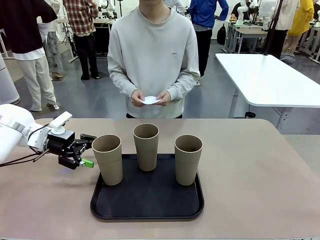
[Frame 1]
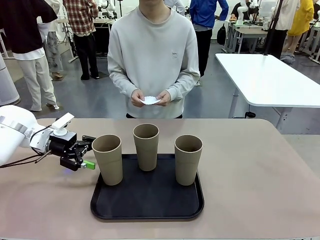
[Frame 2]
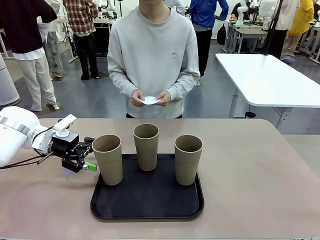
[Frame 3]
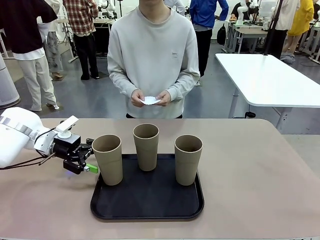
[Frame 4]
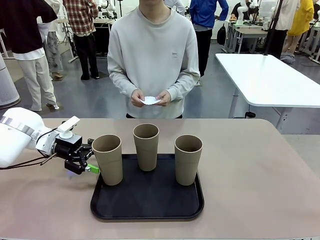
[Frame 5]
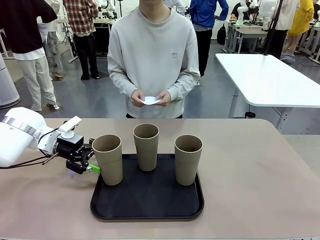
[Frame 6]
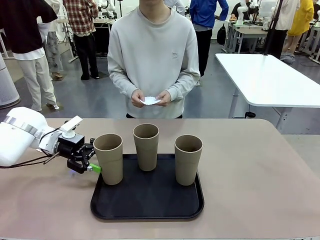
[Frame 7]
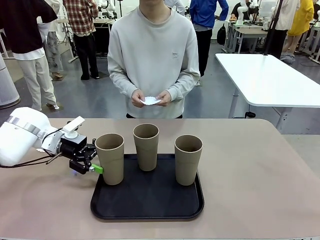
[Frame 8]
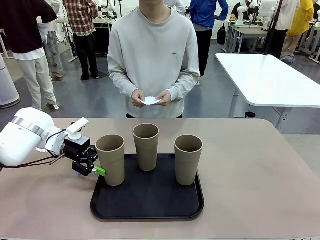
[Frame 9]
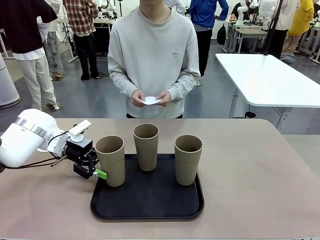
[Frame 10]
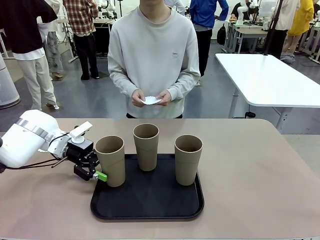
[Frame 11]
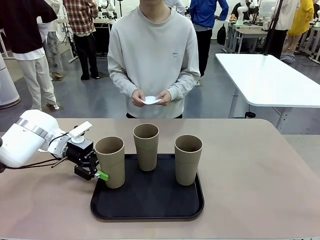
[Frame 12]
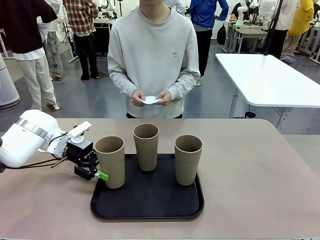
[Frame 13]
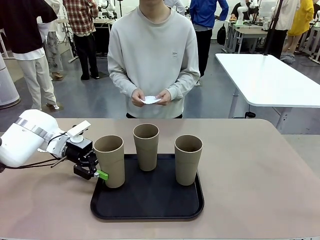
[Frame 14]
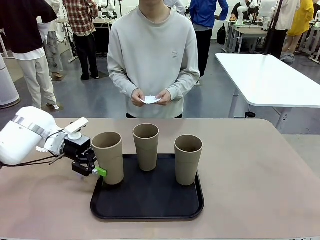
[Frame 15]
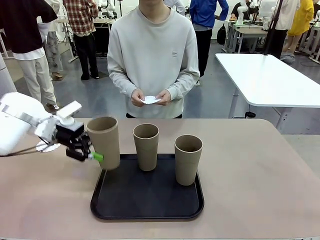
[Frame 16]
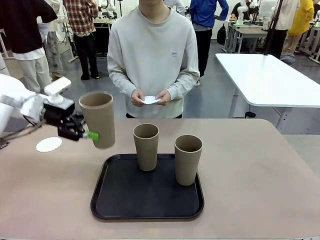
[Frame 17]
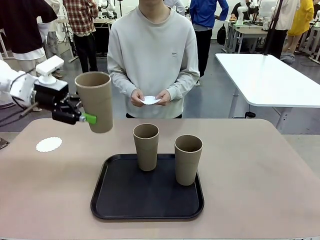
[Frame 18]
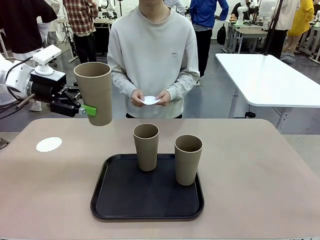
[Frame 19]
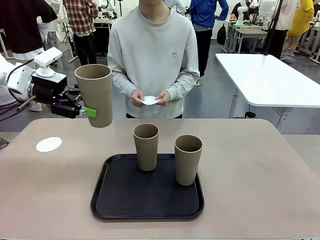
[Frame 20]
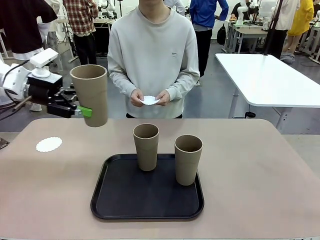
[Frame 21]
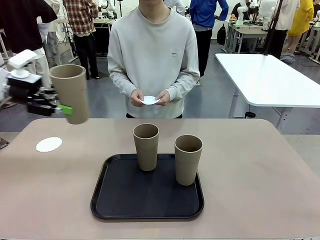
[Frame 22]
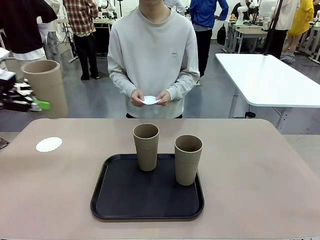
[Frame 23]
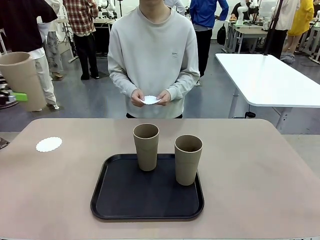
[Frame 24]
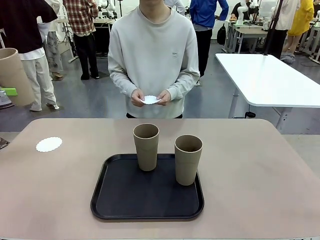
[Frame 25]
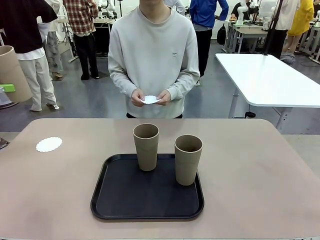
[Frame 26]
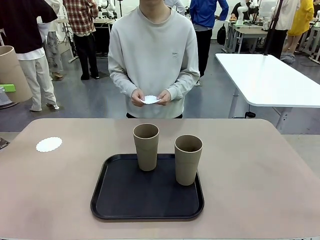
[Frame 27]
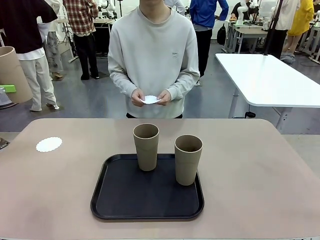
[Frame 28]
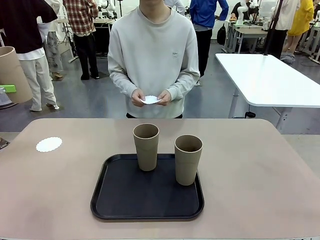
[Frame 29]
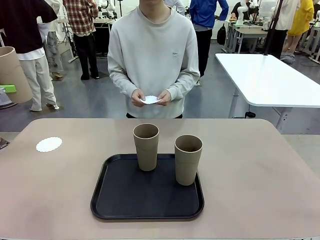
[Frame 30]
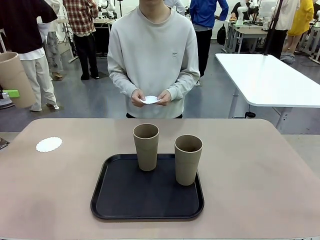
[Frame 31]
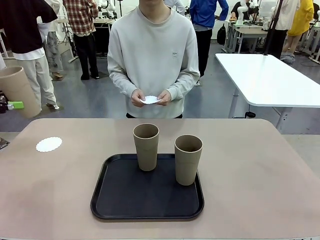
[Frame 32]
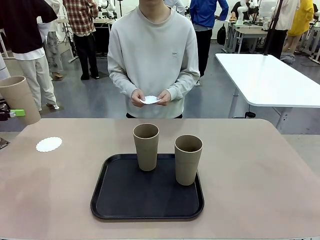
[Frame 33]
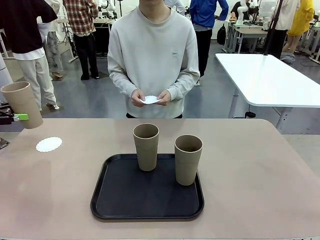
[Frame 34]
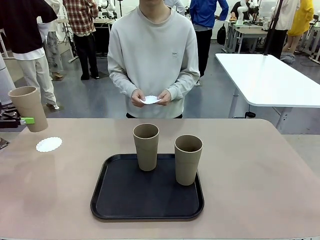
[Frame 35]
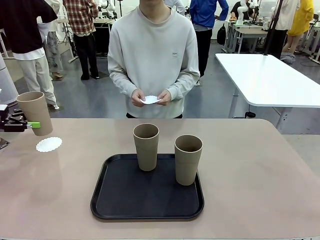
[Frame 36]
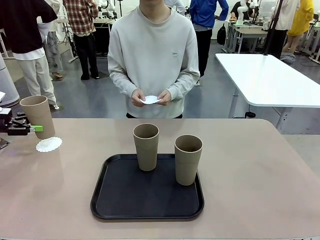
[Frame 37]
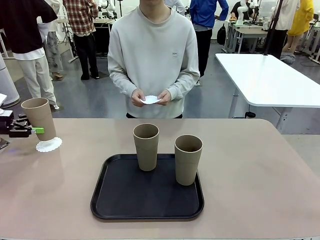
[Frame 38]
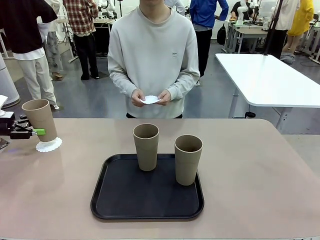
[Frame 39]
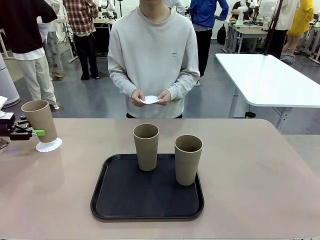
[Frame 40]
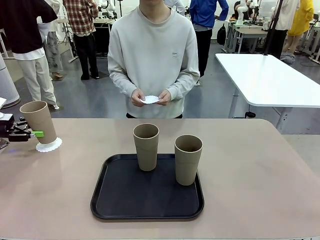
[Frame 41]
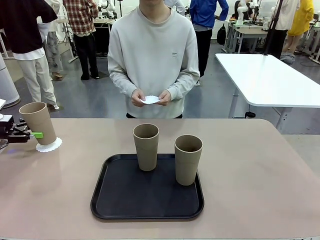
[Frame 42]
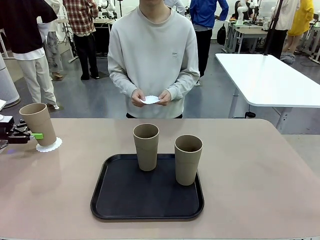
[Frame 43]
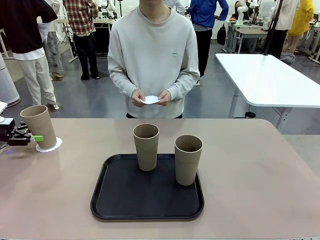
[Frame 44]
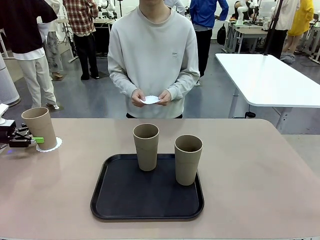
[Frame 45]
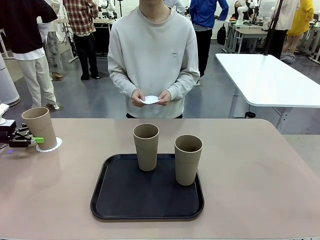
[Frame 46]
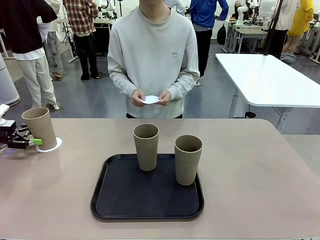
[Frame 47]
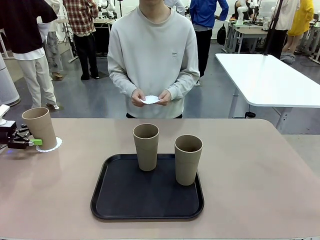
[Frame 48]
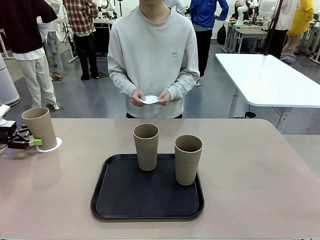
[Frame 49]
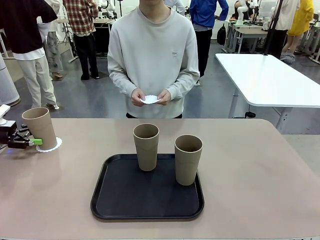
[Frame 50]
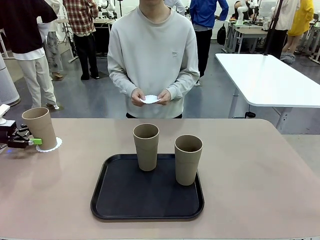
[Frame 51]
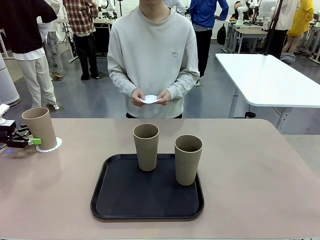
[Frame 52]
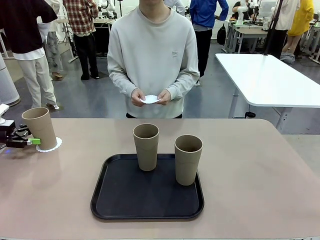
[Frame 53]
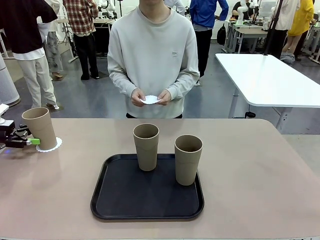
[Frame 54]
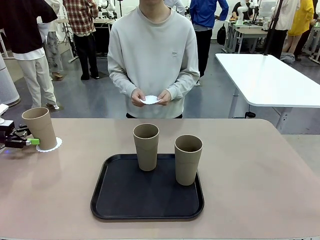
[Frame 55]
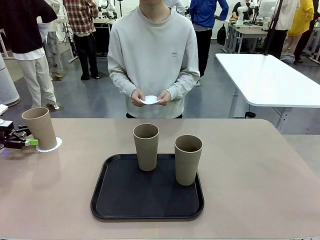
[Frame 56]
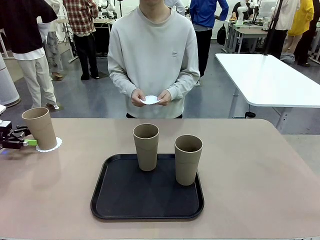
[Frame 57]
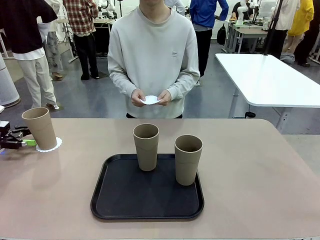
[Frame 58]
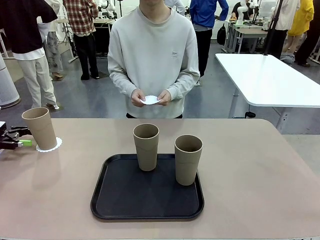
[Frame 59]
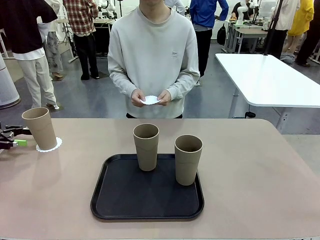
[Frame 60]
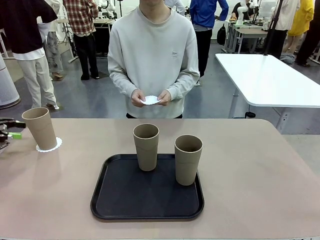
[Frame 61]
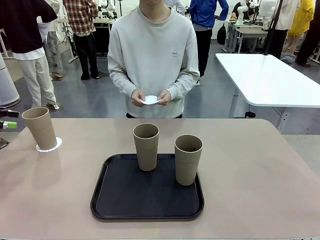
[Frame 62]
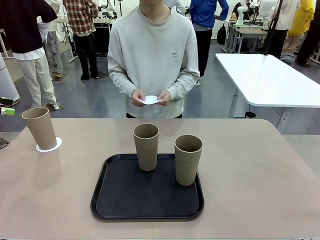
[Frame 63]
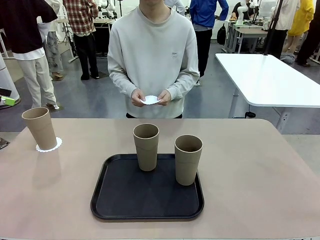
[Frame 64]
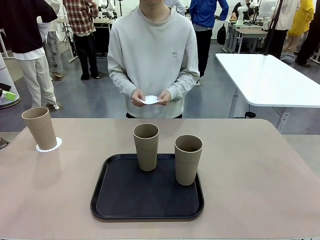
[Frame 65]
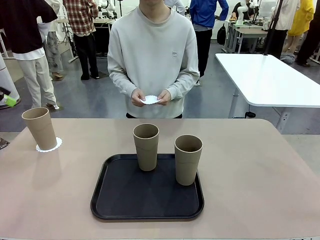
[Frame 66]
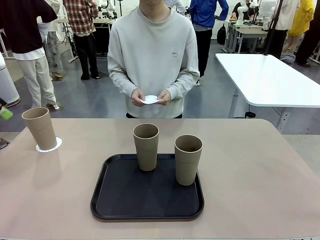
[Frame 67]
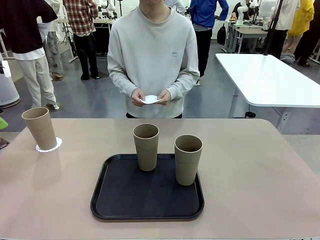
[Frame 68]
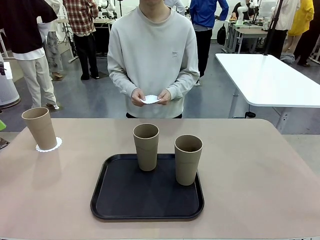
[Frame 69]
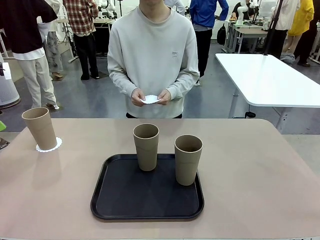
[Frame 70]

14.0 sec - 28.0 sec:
Task: Place coasters on the table and set cups on them.
Robot: Pick up one Reusable plastic cup and place it on a coaster set by the human.
Person: Place one coaster in one of the two areas excluding the previously selected area.

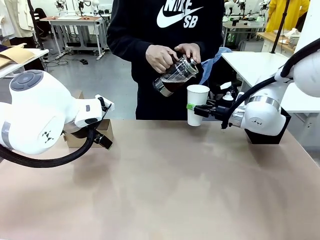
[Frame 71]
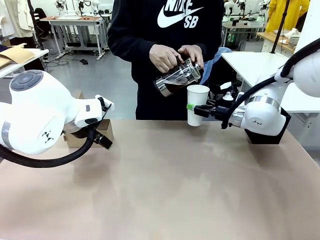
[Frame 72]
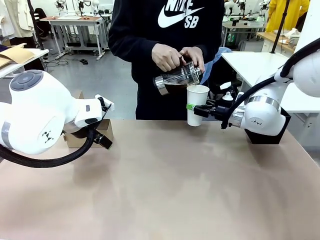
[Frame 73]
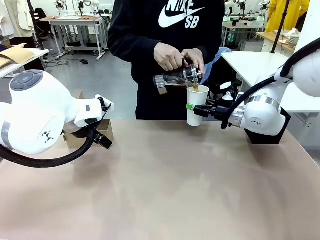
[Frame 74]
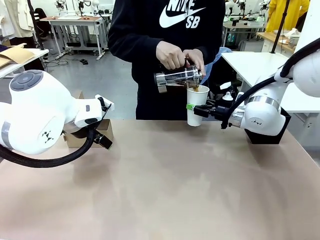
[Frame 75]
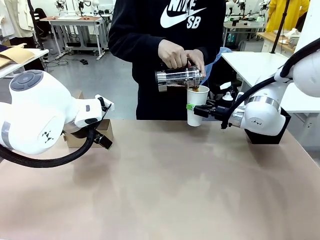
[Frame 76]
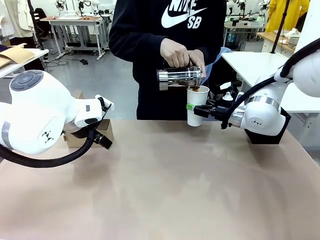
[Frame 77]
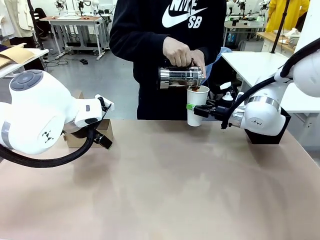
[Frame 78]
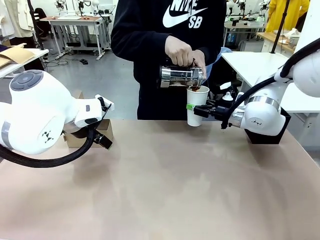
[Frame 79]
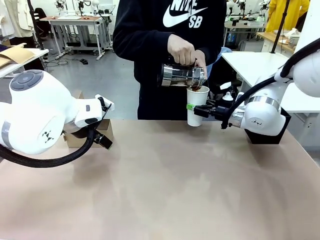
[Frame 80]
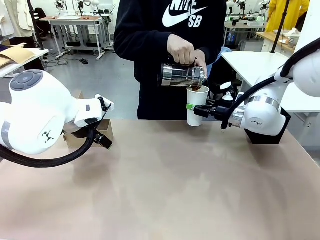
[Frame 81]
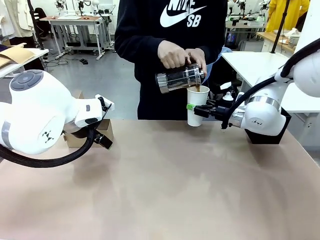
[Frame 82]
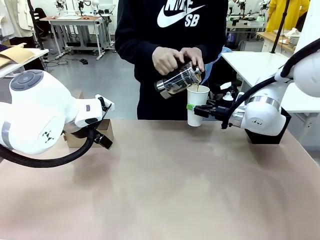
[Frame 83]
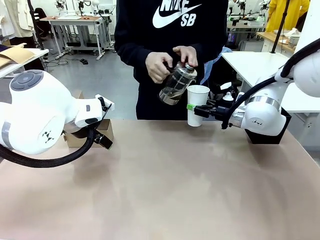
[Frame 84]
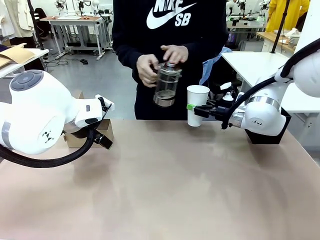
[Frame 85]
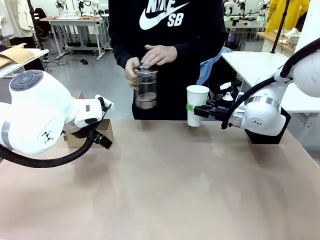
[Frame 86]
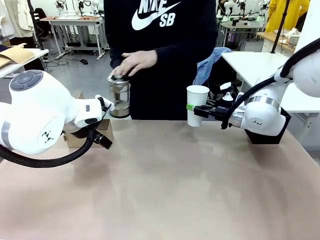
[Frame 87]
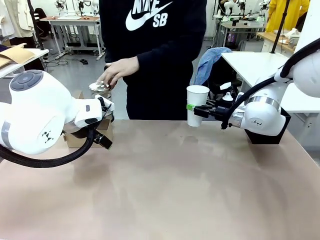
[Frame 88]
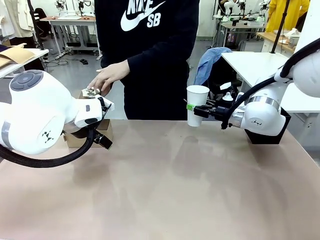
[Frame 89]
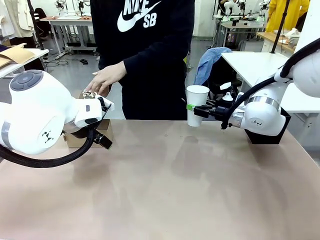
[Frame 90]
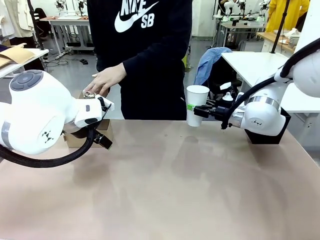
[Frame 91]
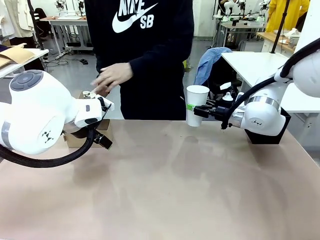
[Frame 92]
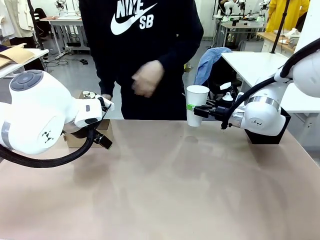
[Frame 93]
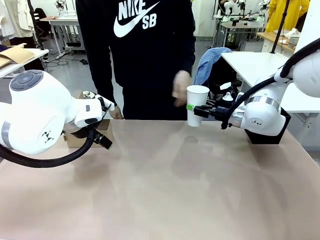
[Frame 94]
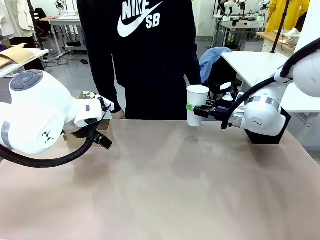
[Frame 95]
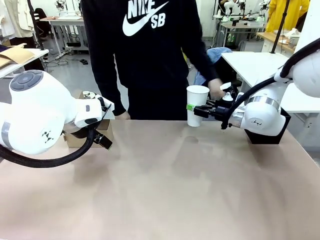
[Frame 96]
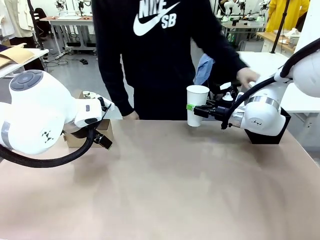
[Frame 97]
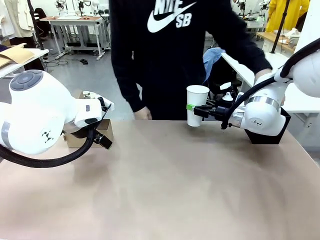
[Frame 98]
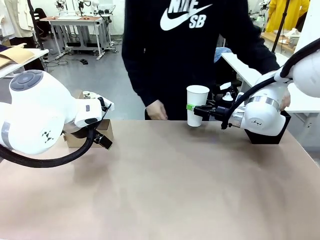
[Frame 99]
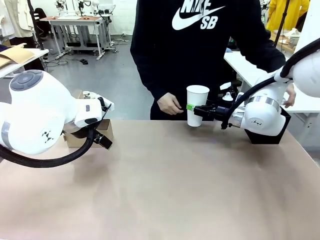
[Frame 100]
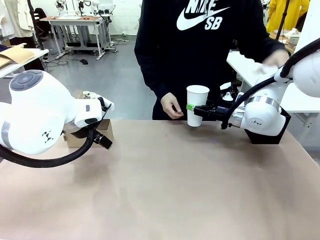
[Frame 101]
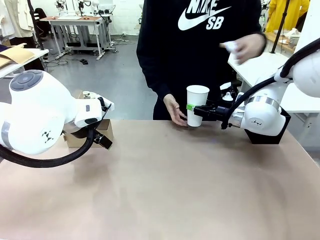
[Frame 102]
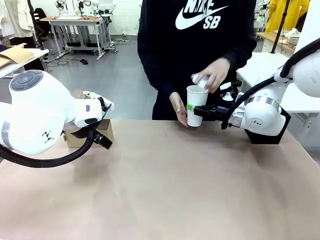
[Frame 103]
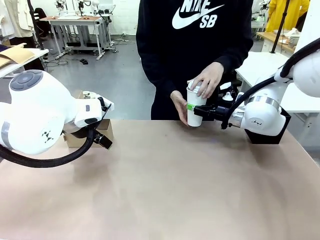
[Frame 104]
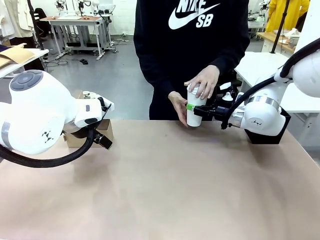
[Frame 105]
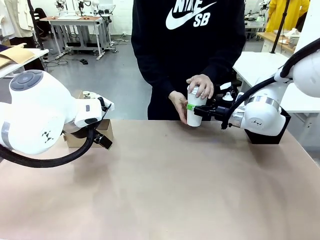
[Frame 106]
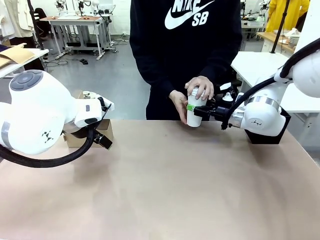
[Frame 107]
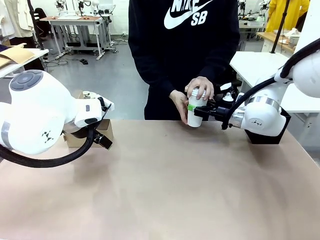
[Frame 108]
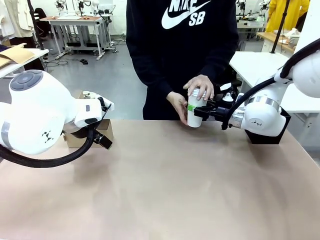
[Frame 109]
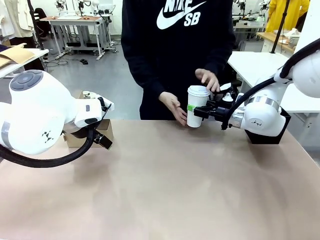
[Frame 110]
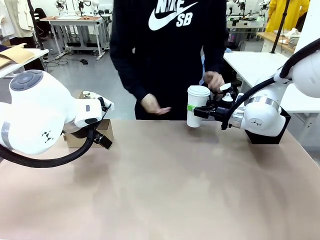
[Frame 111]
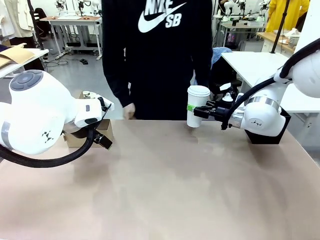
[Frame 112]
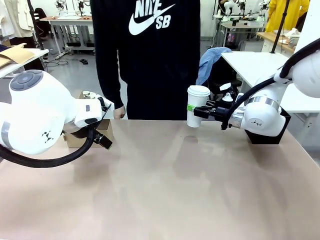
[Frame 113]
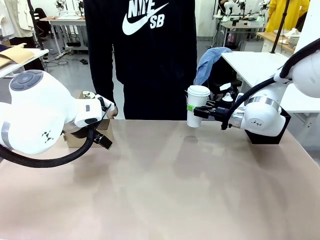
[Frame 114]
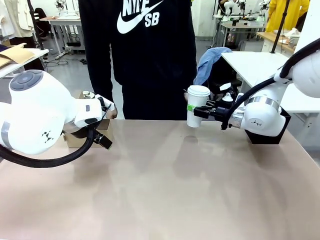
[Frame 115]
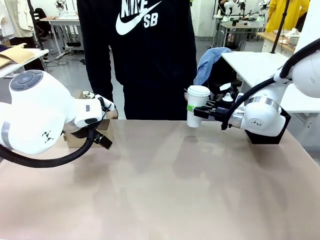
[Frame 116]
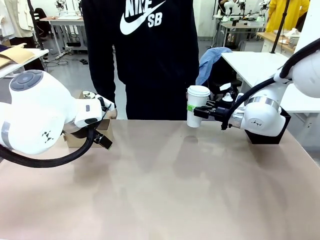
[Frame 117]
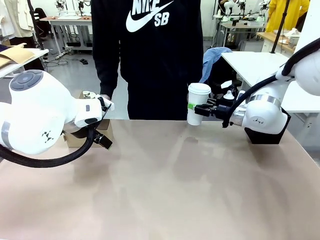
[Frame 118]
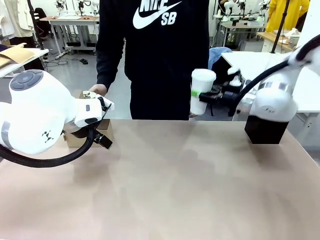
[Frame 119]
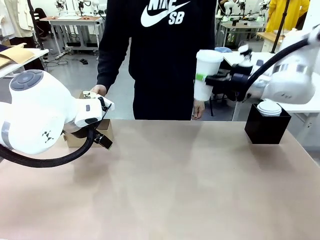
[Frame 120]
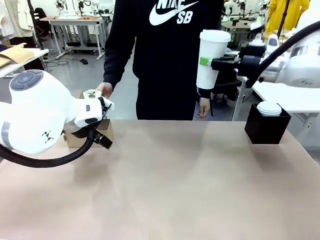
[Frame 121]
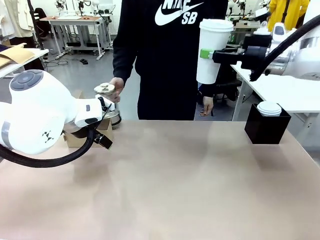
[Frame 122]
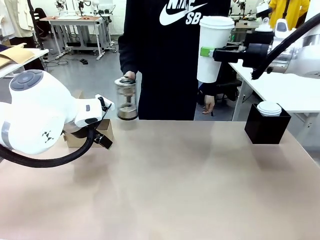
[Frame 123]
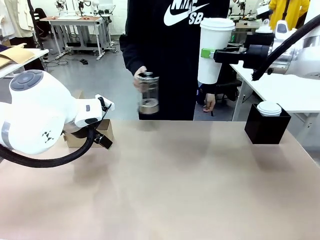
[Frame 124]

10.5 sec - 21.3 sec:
Task: Pour a drink into a cup and package it in a carrier.
Robot: When a person places the Paper Cup Lid on the 600 ml Paper Cup , lift the 600 ml Paper Cup.
Person: Place a Paper Cup Lid on the 600 ml Paper Cup.
